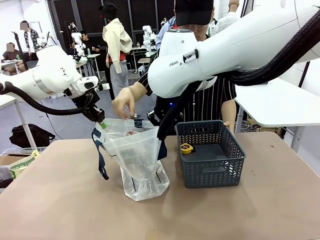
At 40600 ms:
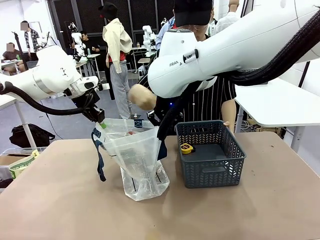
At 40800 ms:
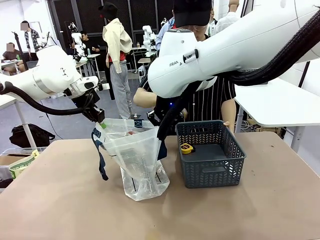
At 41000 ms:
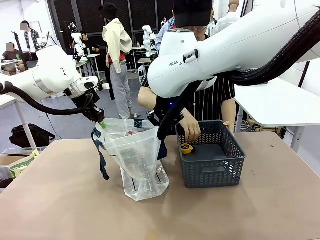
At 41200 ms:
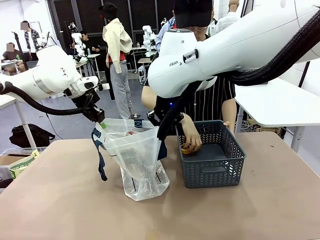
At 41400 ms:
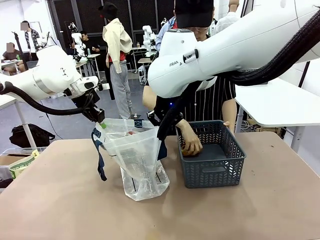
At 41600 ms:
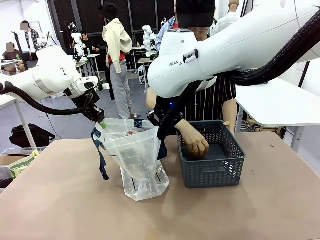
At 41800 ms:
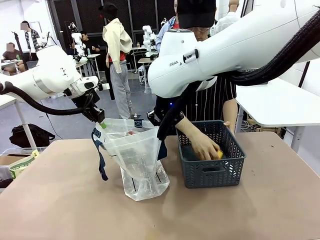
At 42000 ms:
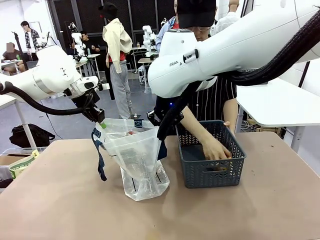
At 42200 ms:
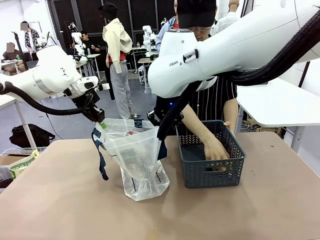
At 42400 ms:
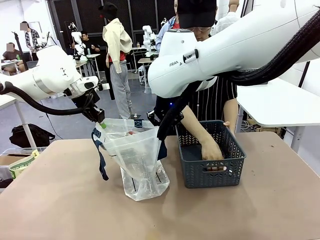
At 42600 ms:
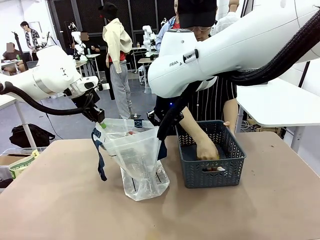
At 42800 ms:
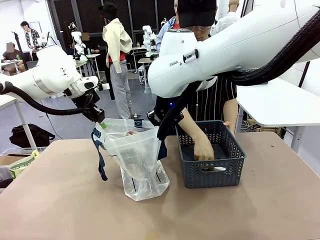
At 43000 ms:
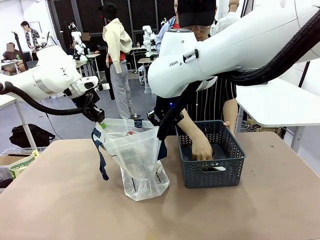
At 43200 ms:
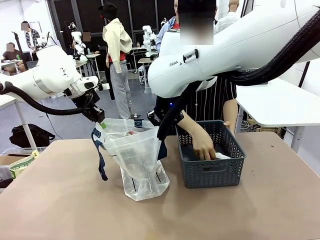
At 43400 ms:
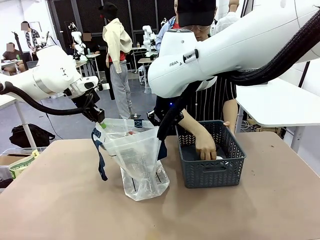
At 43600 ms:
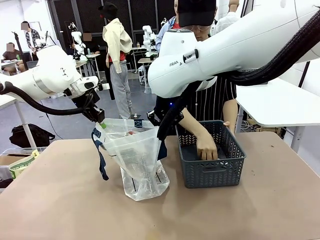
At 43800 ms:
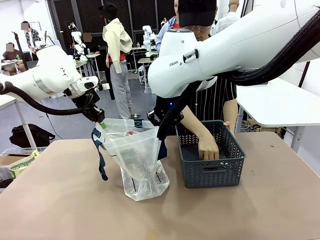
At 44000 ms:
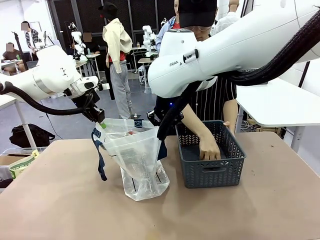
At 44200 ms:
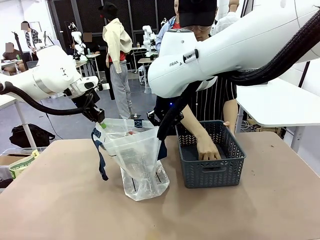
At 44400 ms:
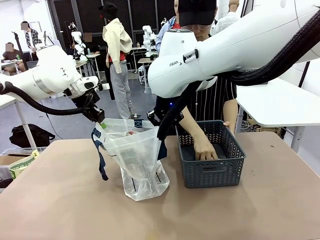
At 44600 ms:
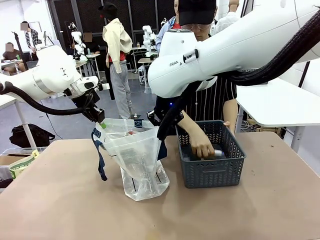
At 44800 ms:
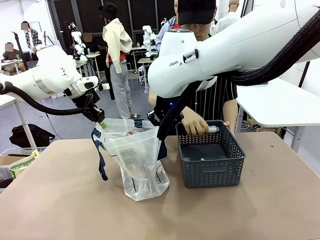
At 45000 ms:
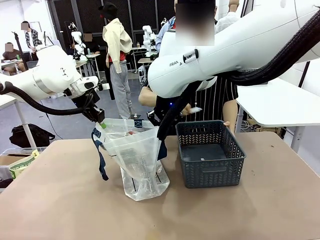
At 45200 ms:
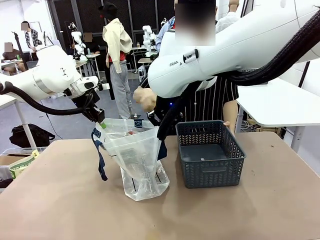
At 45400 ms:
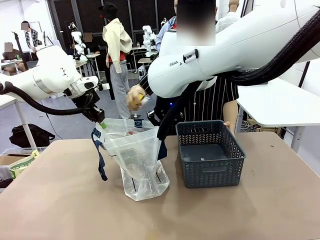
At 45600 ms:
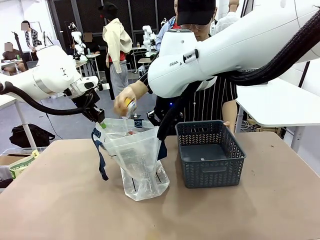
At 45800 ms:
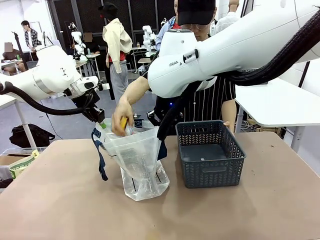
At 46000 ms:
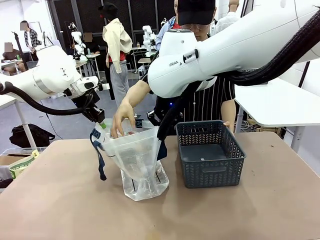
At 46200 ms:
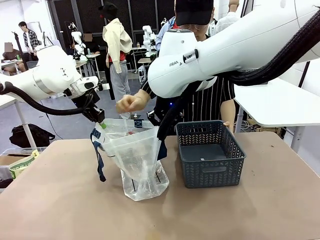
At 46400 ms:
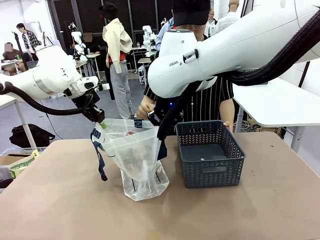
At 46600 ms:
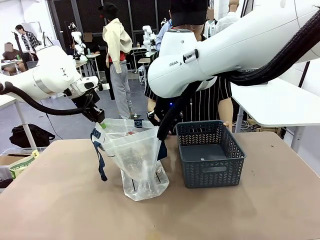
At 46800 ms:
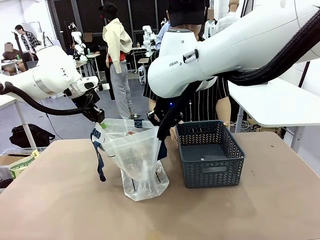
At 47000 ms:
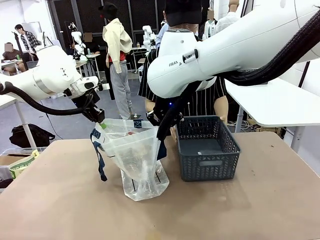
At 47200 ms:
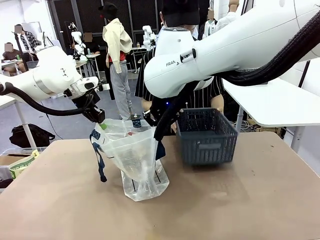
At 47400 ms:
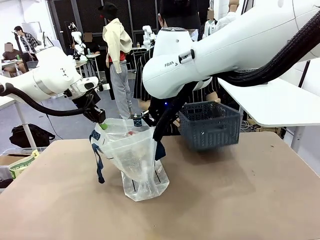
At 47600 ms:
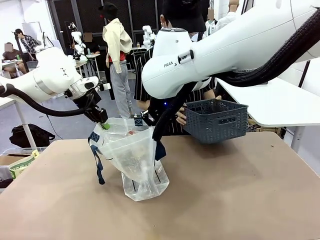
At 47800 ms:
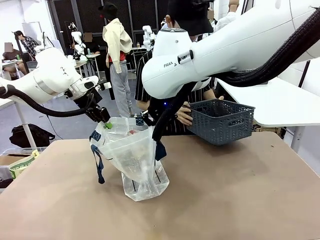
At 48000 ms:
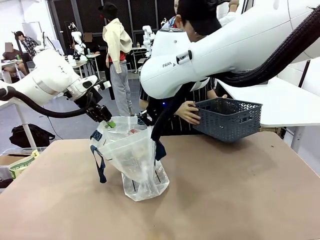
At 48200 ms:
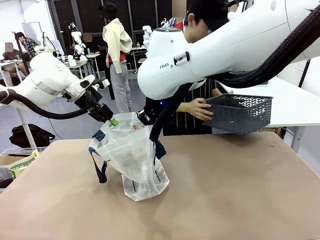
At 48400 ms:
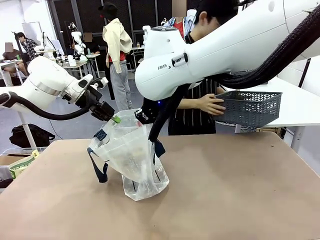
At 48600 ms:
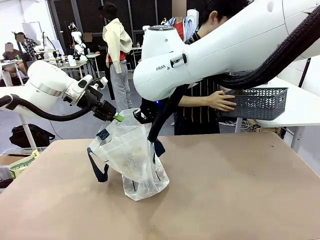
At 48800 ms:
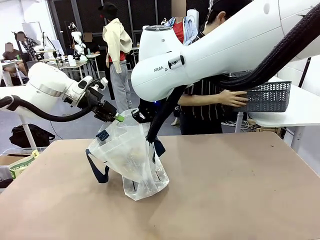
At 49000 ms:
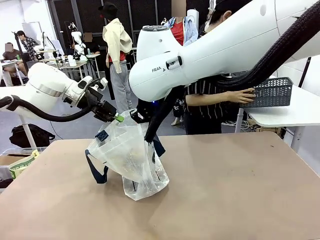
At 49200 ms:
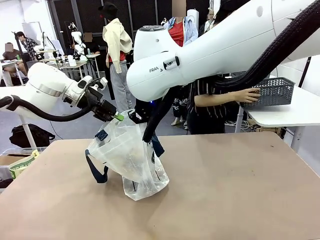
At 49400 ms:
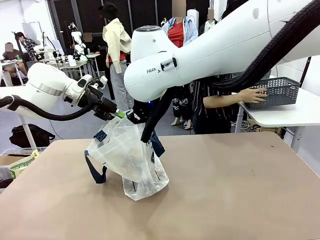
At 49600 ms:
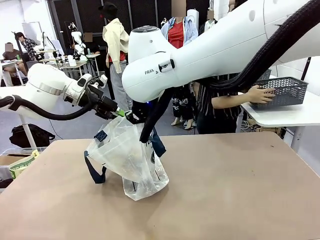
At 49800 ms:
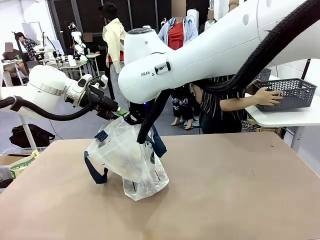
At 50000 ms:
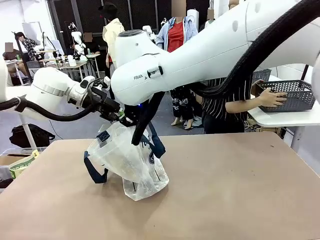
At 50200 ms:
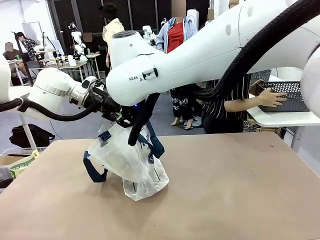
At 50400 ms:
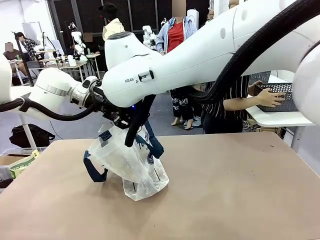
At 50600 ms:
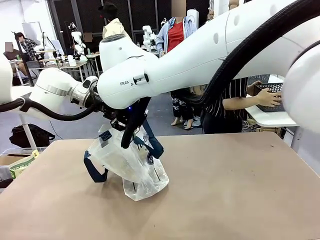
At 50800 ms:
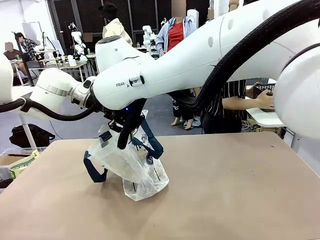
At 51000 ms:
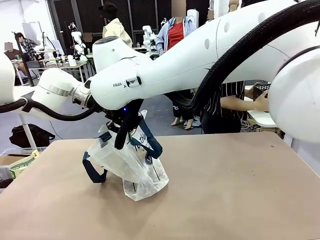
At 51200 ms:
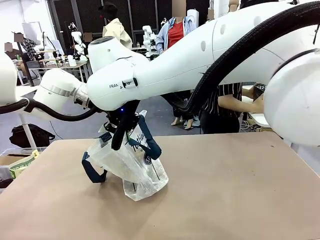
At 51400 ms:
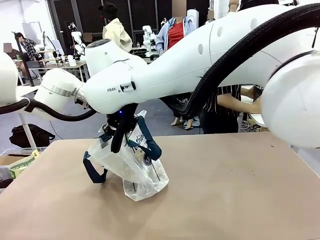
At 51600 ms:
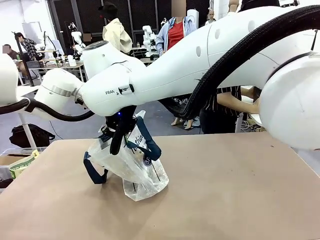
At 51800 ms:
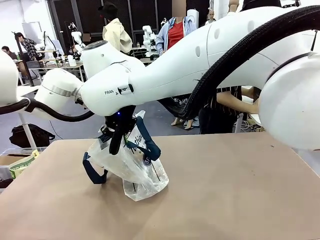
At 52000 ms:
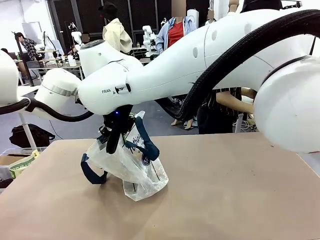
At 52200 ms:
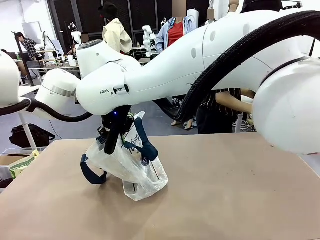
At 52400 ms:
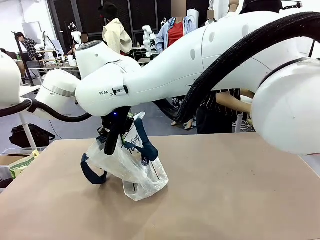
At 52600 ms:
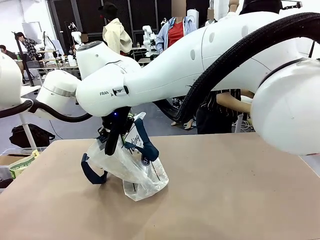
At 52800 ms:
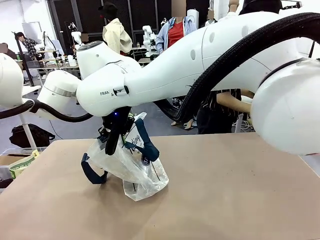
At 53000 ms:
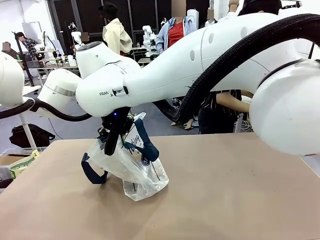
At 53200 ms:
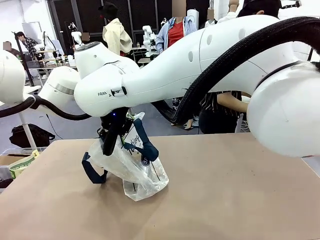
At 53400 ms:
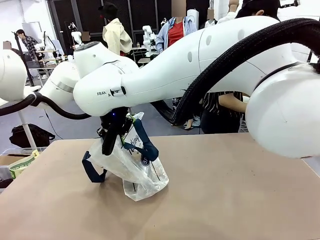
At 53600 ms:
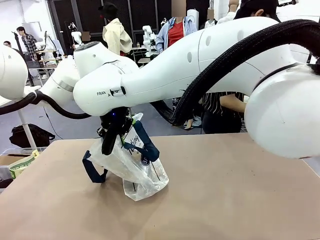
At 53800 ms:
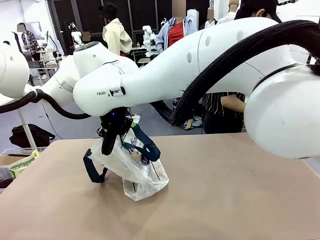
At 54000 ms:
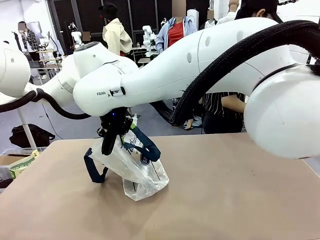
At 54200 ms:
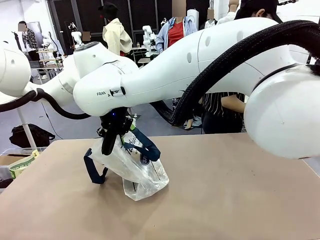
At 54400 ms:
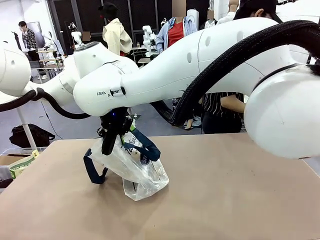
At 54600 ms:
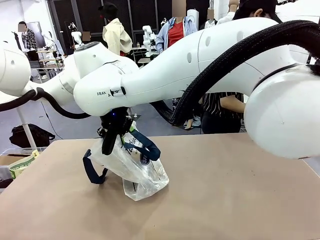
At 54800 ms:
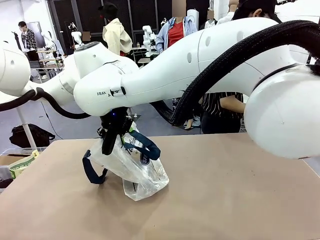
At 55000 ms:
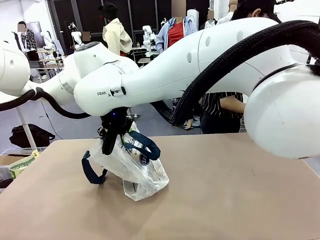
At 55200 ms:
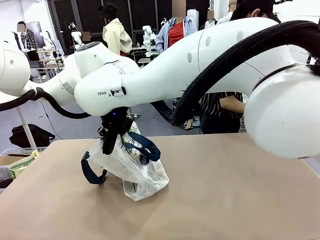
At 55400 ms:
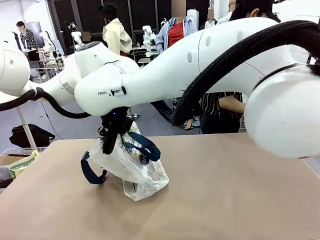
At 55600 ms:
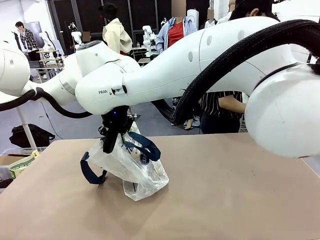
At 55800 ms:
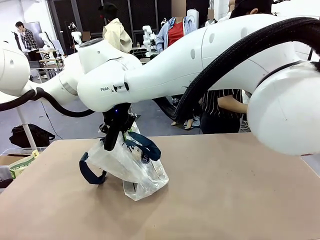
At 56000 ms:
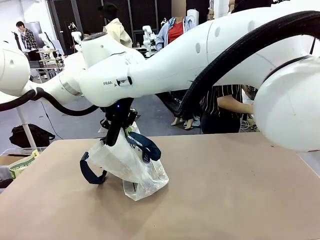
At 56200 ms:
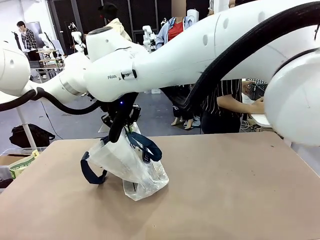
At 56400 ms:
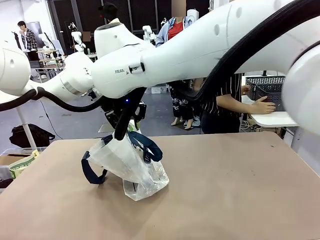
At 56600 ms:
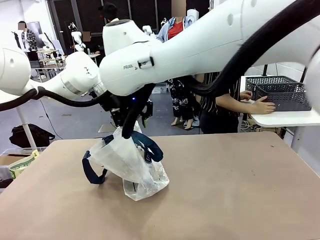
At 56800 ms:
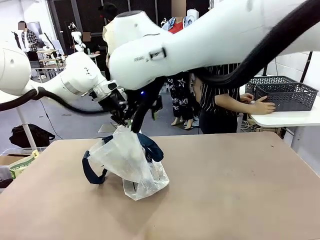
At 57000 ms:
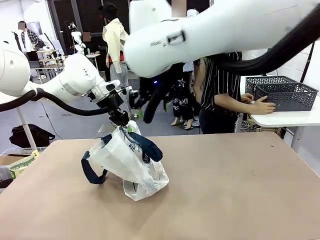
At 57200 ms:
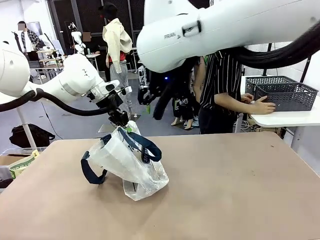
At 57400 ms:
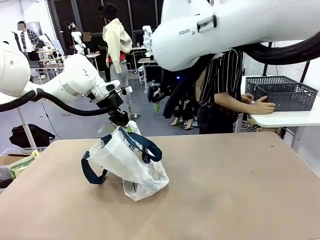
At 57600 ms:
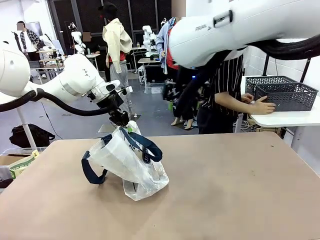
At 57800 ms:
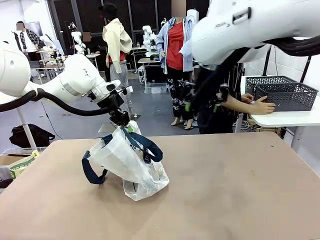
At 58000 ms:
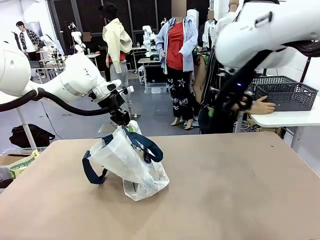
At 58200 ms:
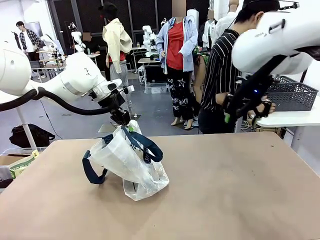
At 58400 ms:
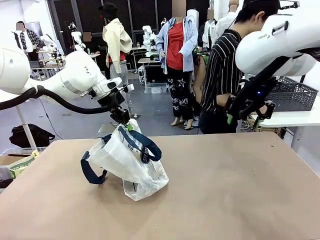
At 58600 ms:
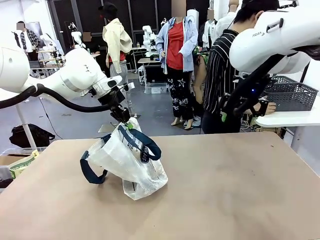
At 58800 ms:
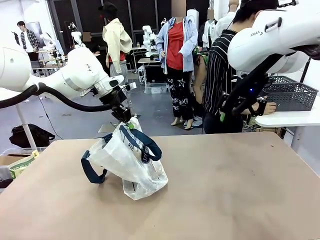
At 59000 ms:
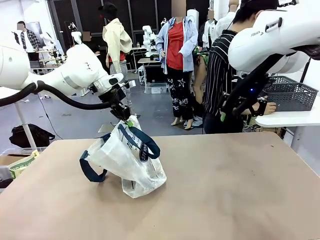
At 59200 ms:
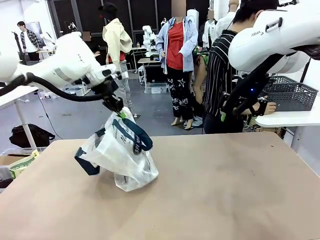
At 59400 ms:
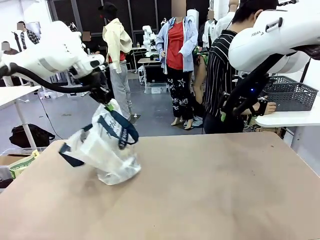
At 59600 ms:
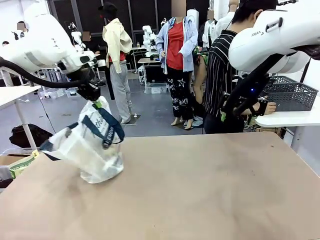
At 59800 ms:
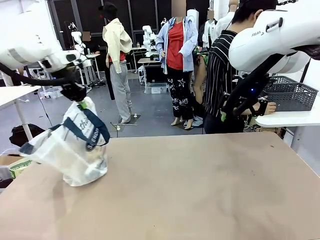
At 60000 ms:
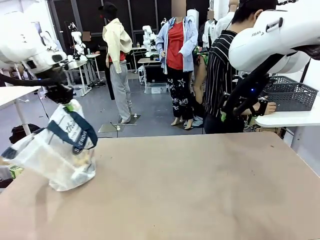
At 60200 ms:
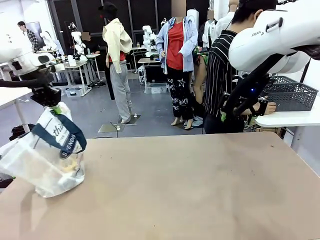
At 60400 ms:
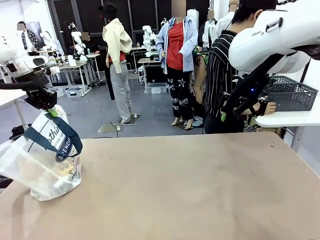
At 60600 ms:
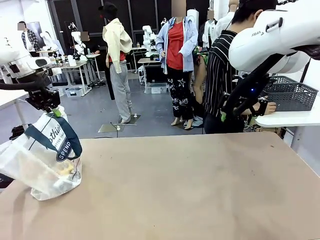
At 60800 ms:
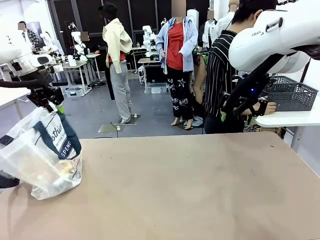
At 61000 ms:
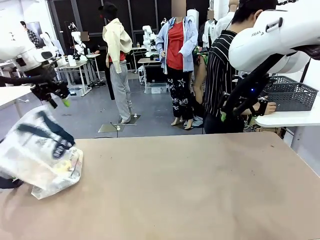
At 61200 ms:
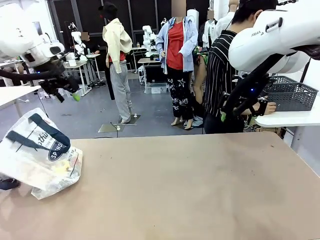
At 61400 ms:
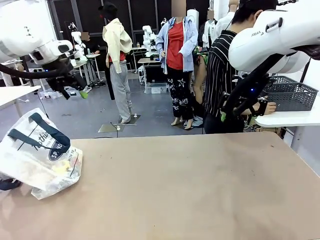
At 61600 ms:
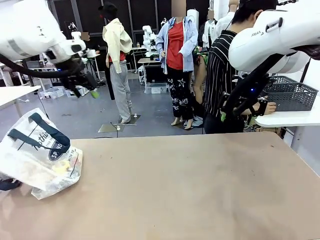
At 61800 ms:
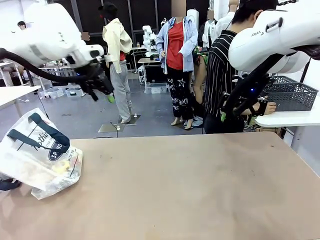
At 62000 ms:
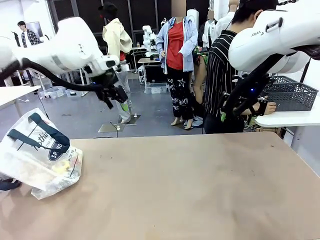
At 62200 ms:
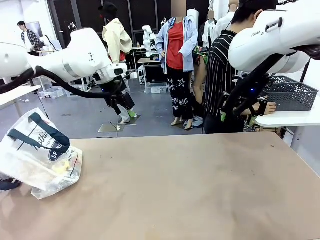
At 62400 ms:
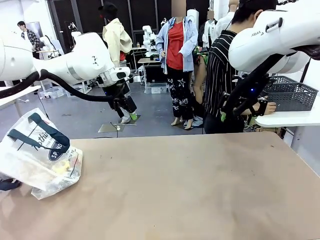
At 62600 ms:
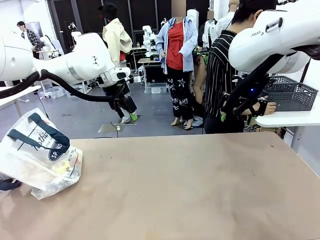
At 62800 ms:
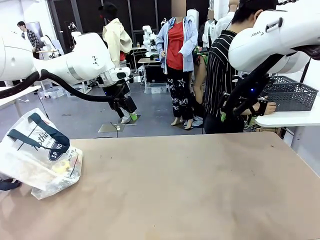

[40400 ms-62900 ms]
Task: Transfer purchased items from the store into the shopping bag.
Robot: Move the Reusable shopping bag to the right side of the table.
Person: Move the basket on the left to the middle of the person's table.
